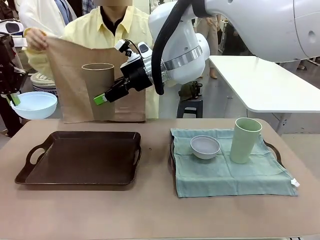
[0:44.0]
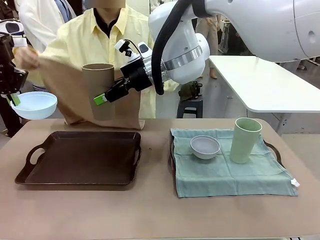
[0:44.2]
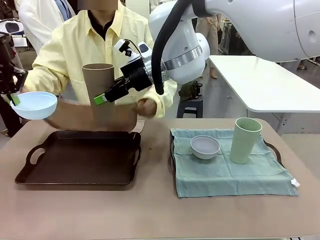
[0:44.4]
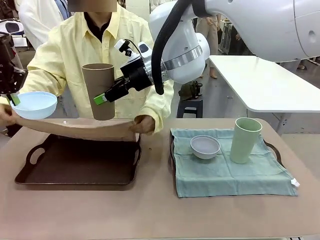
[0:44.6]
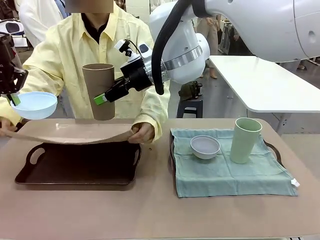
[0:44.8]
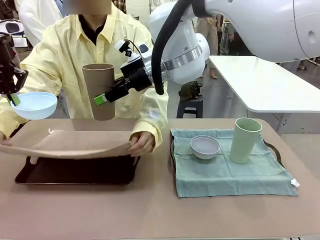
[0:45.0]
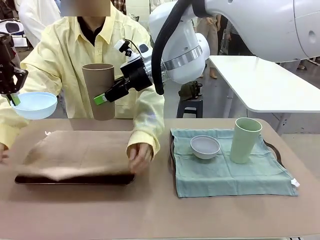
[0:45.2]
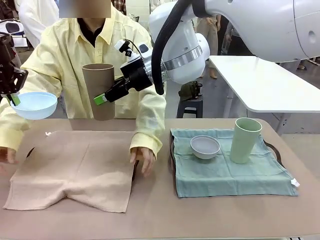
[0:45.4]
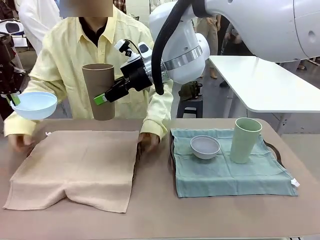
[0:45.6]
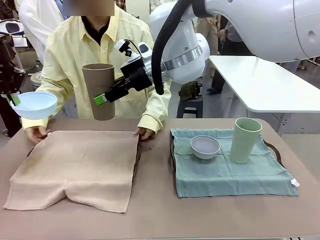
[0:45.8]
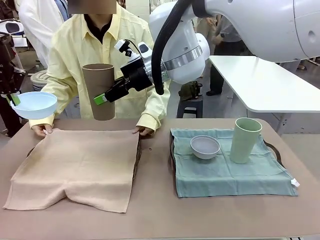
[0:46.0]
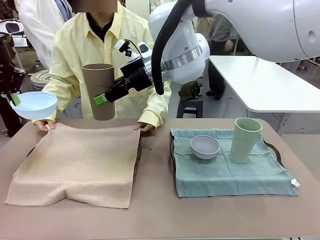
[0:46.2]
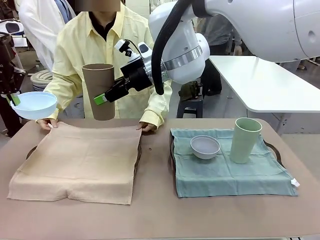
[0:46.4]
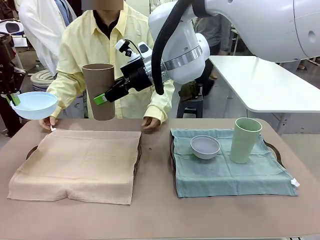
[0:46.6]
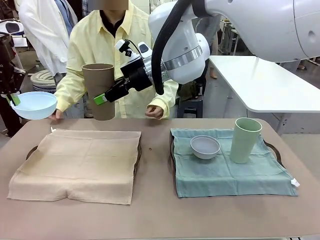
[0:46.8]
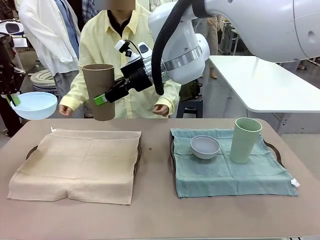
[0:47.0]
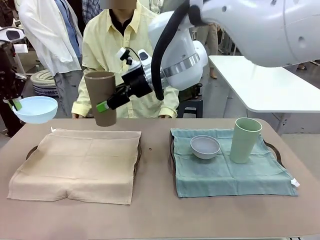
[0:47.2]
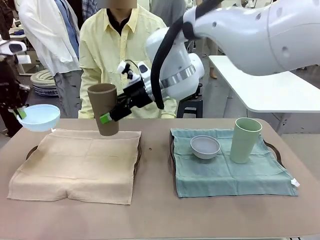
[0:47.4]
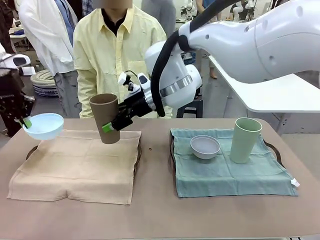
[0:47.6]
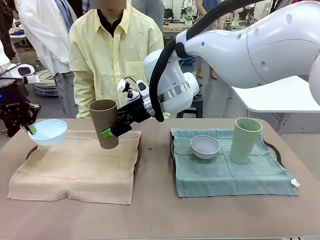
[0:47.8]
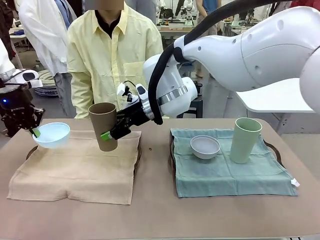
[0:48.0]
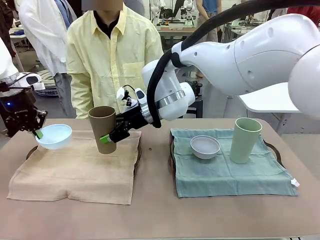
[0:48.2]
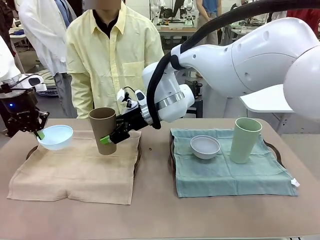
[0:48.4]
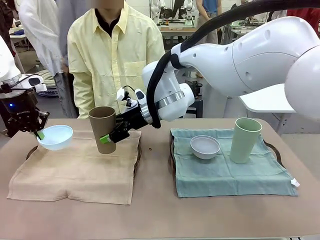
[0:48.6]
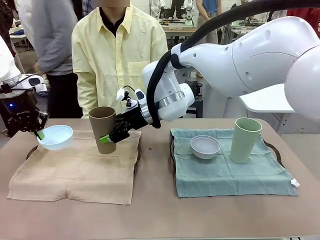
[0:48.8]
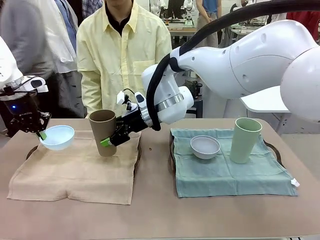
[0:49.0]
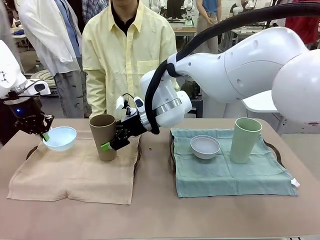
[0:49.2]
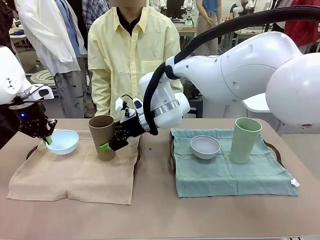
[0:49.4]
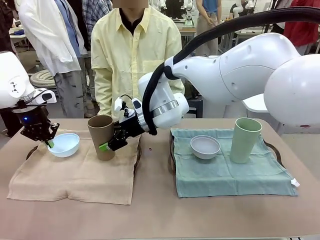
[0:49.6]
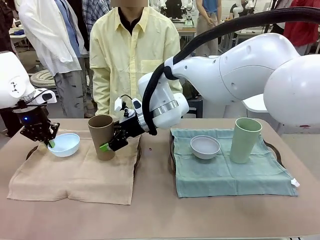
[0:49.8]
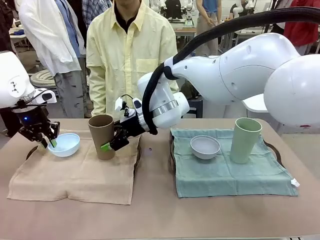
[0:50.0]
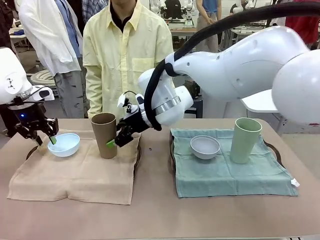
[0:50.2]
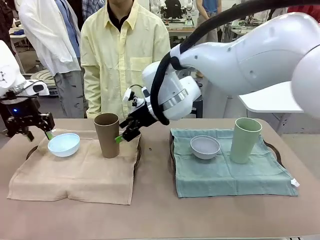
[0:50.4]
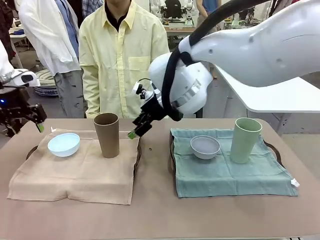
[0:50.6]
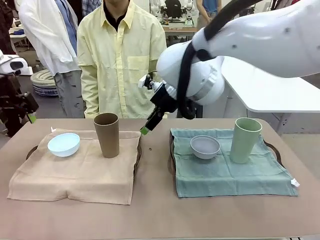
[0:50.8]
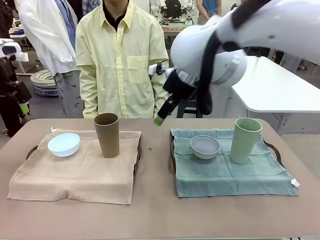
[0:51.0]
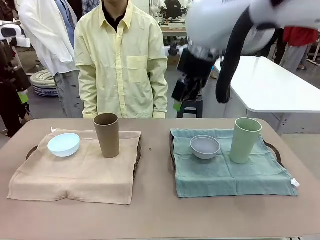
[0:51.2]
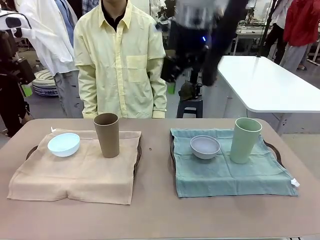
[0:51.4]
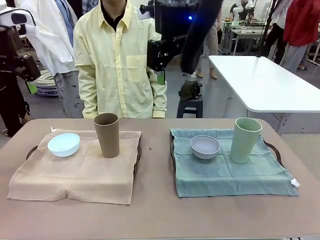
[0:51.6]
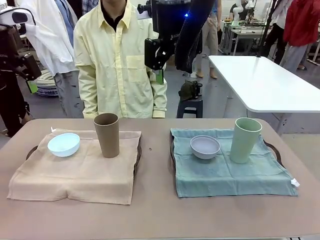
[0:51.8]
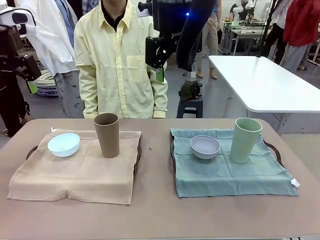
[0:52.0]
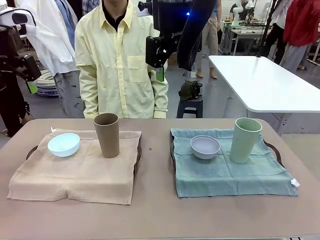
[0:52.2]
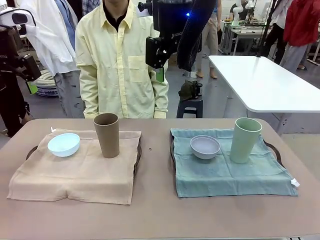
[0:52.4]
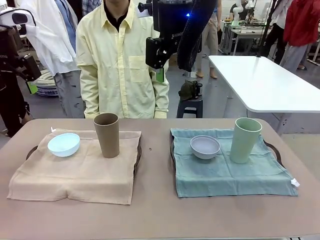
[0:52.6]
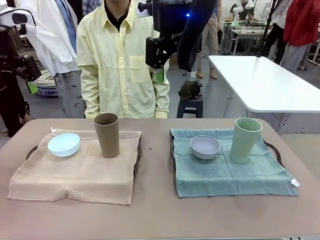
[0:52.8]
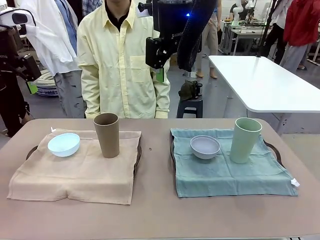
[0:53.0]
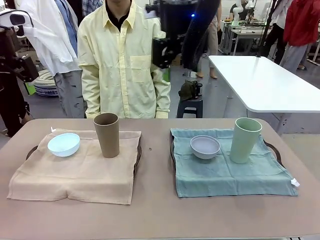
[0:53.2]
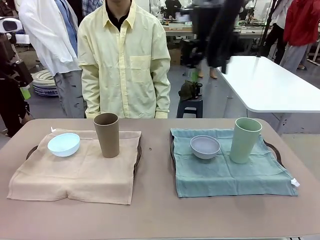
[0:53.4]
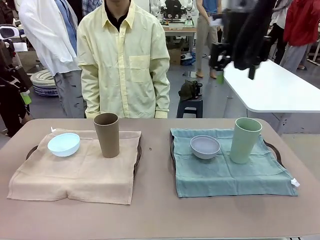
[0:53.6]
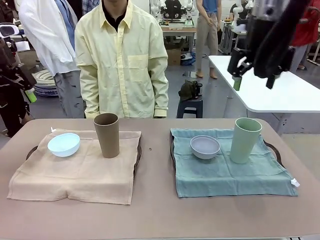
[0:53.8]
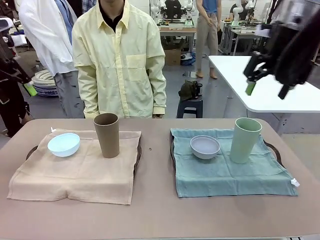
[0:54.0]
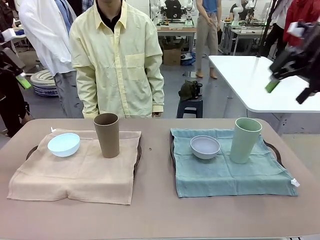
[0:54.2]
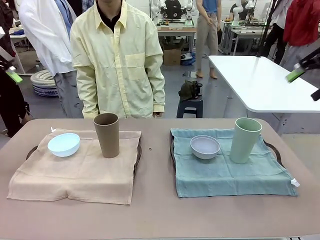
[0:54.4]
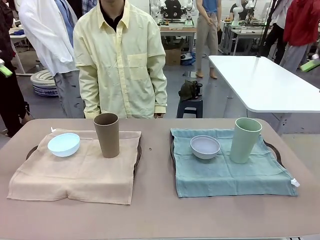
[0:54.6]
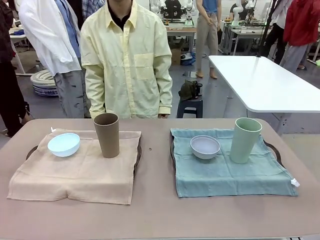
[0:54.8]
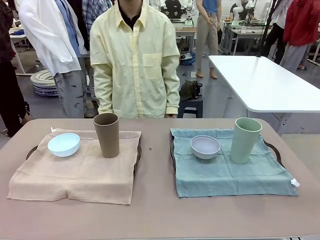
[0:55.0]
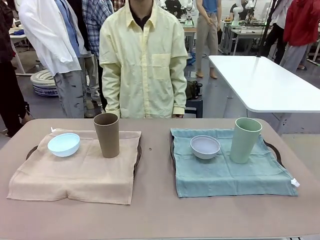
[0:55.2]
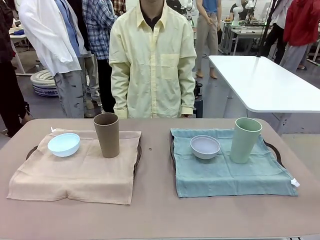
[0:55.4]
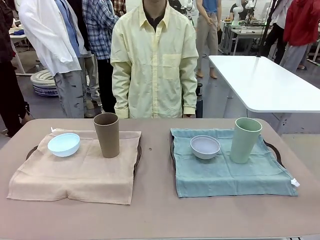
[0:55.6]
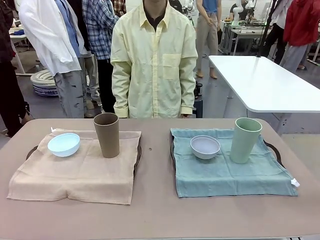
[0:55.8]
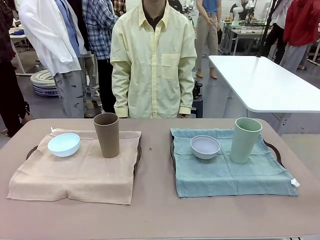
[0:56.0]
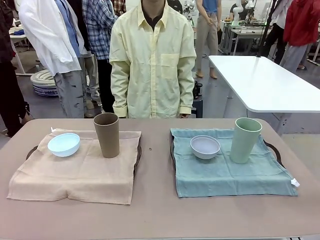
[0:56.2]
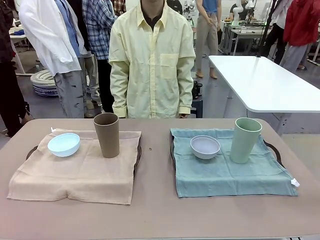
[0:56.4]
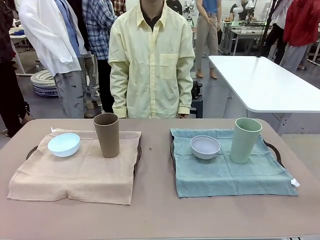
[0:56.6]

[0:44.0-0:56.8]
Robot: Place the Picnic Bowl and Reusable plastic cup back onto the Handle tray in front of the human's position.
Person: When the robot lifts the bowl and the cup, the human unfolds the napkin and lays the napkin flat on the tray.
